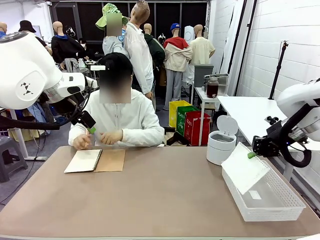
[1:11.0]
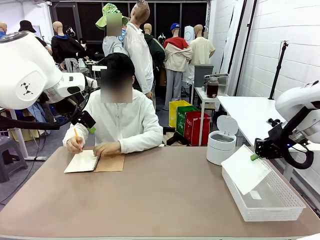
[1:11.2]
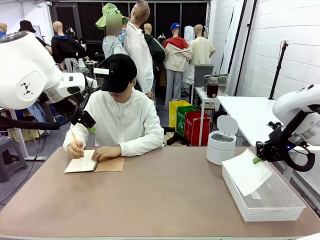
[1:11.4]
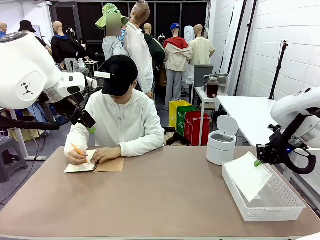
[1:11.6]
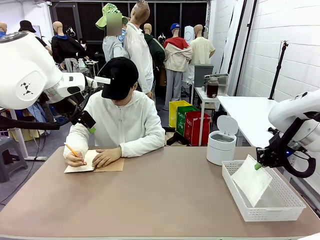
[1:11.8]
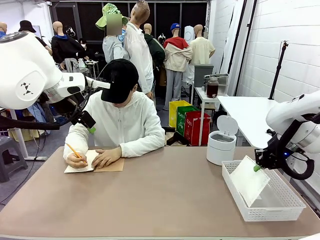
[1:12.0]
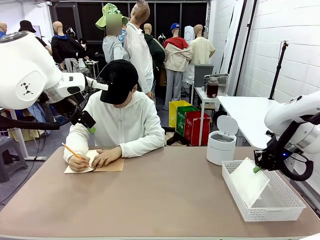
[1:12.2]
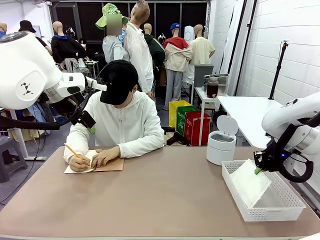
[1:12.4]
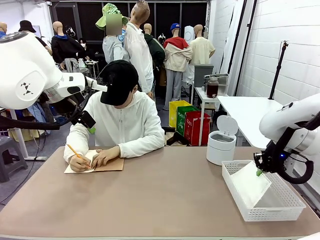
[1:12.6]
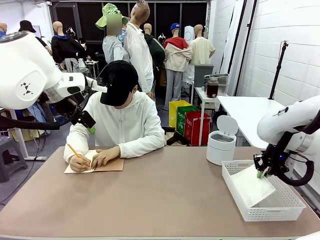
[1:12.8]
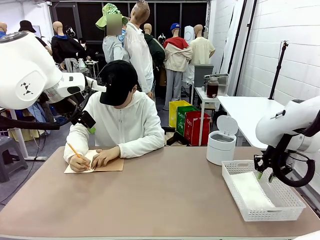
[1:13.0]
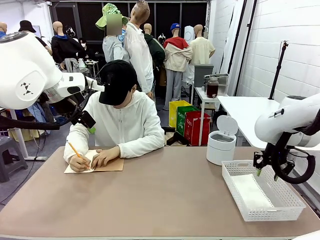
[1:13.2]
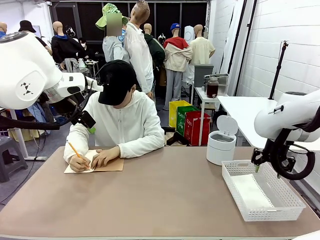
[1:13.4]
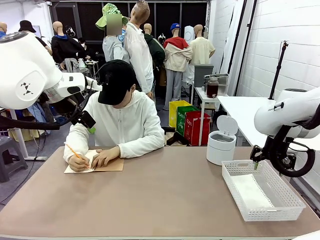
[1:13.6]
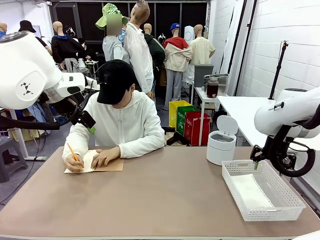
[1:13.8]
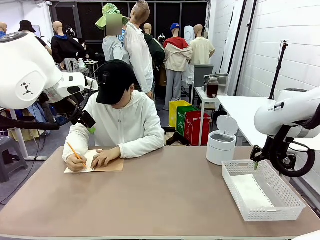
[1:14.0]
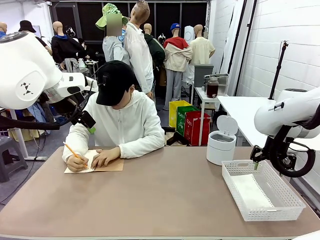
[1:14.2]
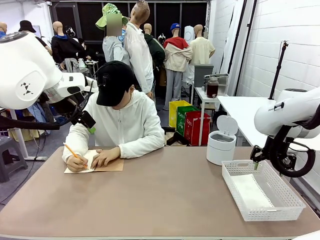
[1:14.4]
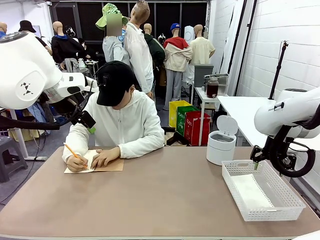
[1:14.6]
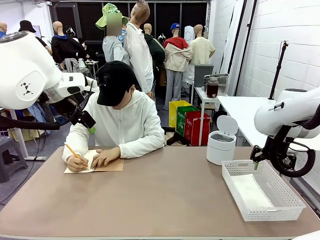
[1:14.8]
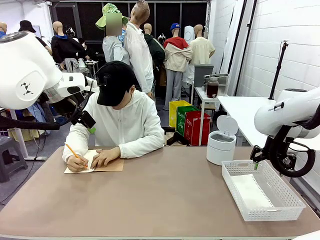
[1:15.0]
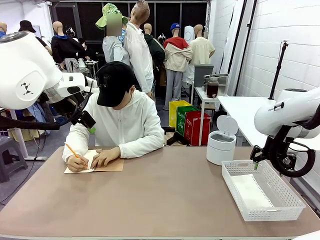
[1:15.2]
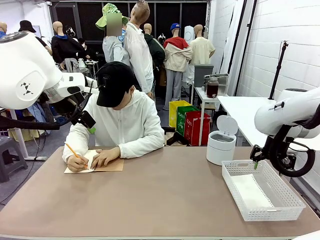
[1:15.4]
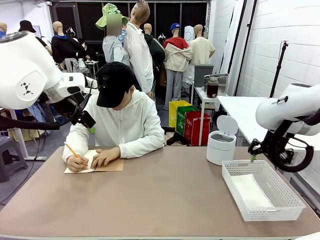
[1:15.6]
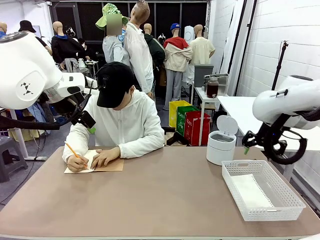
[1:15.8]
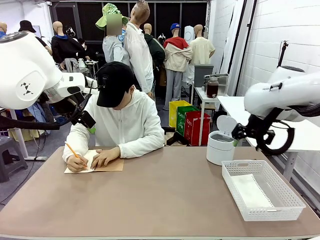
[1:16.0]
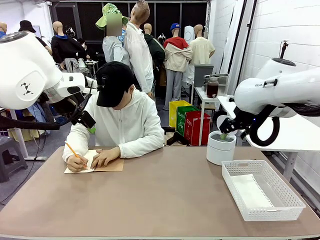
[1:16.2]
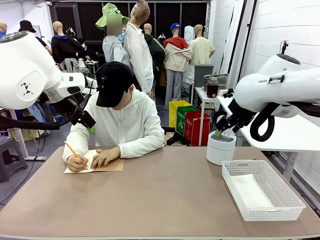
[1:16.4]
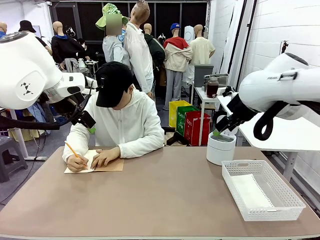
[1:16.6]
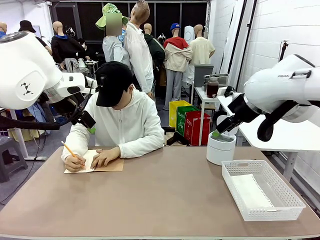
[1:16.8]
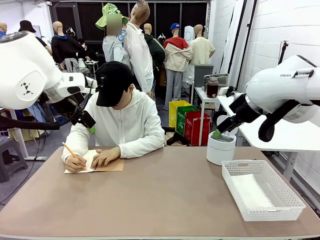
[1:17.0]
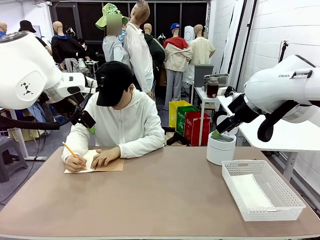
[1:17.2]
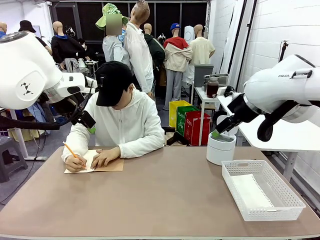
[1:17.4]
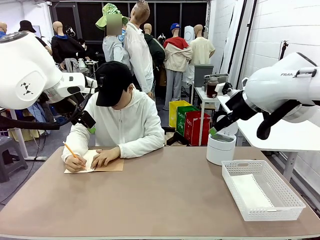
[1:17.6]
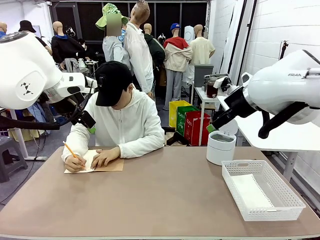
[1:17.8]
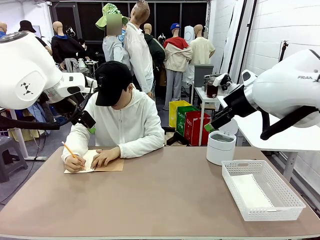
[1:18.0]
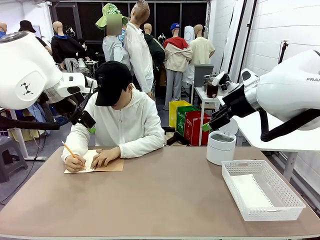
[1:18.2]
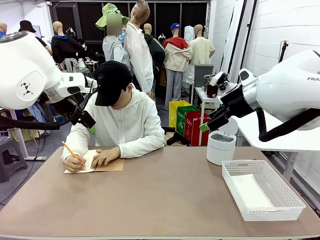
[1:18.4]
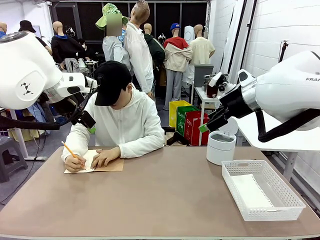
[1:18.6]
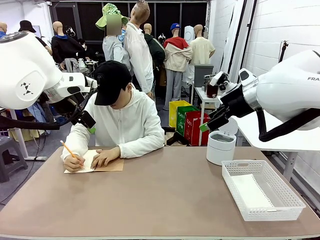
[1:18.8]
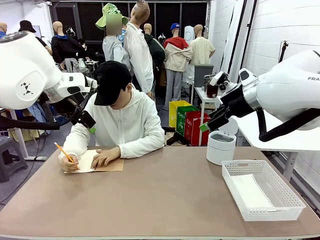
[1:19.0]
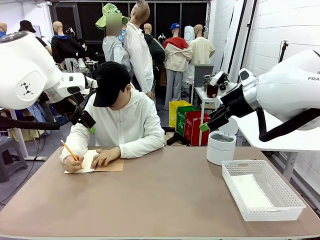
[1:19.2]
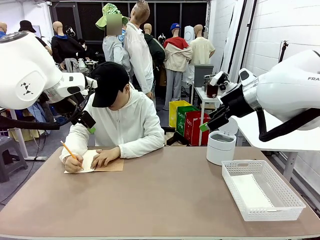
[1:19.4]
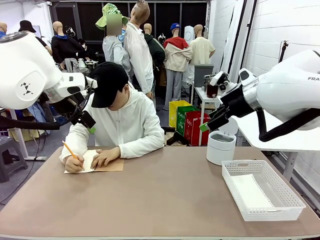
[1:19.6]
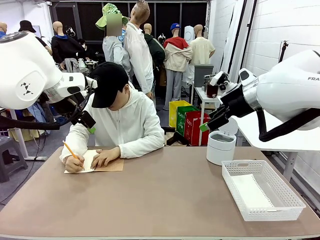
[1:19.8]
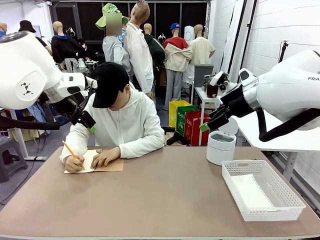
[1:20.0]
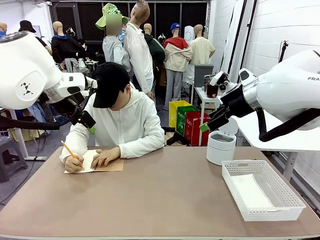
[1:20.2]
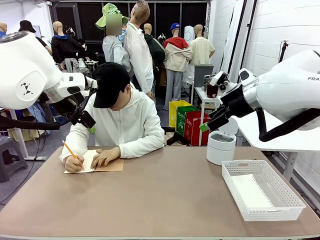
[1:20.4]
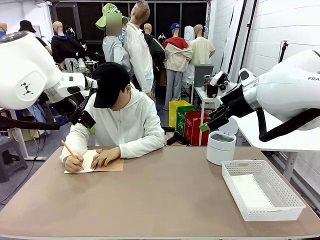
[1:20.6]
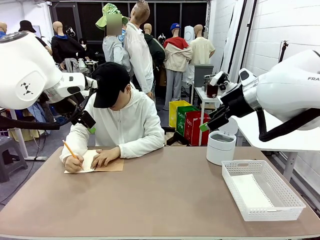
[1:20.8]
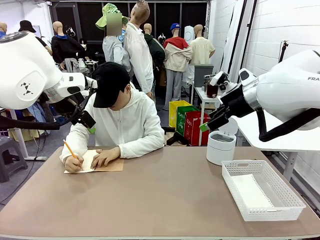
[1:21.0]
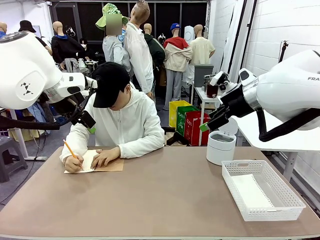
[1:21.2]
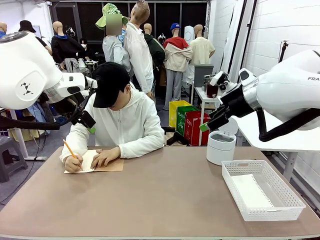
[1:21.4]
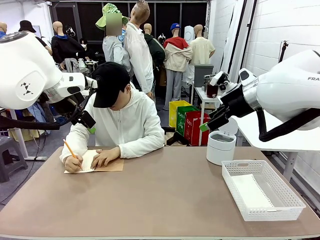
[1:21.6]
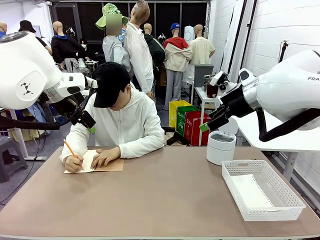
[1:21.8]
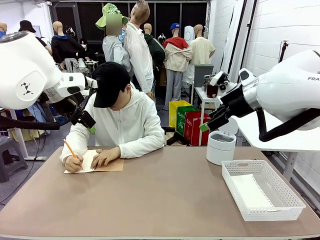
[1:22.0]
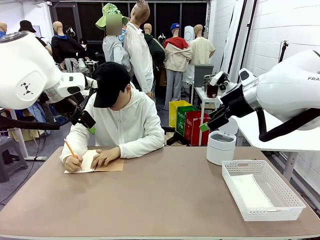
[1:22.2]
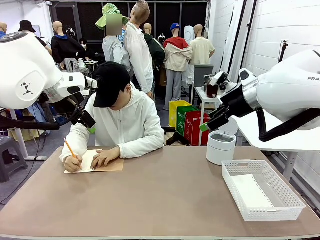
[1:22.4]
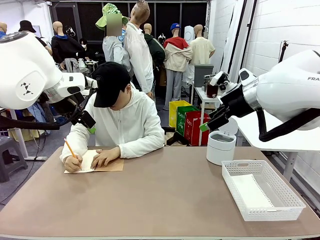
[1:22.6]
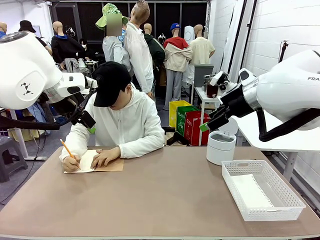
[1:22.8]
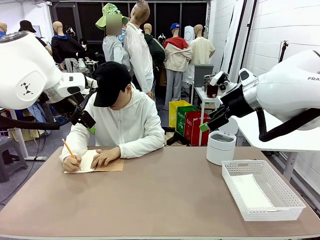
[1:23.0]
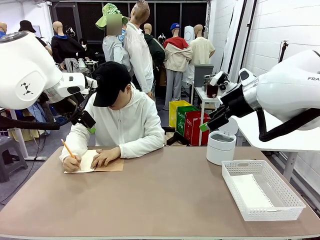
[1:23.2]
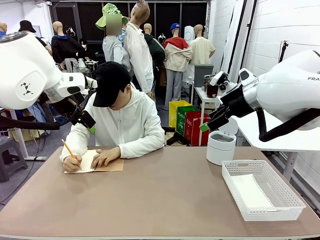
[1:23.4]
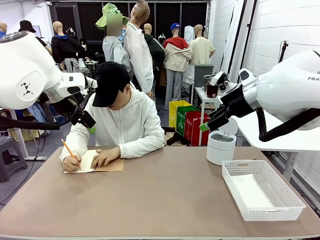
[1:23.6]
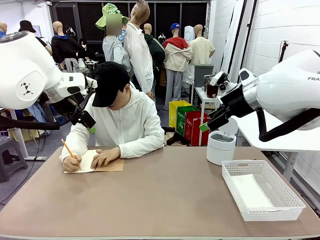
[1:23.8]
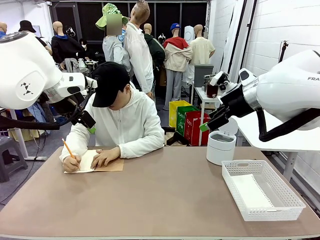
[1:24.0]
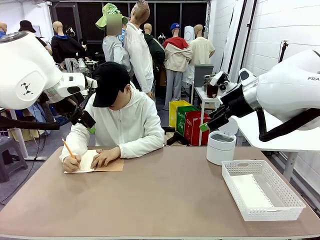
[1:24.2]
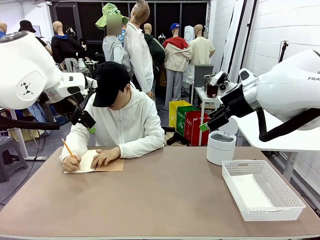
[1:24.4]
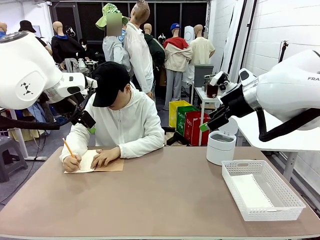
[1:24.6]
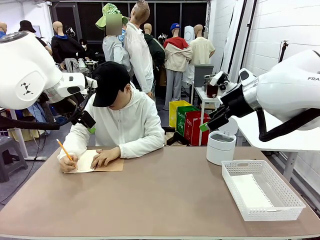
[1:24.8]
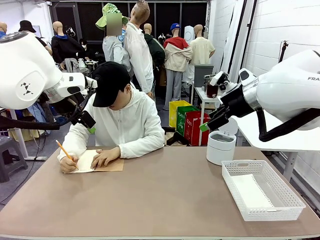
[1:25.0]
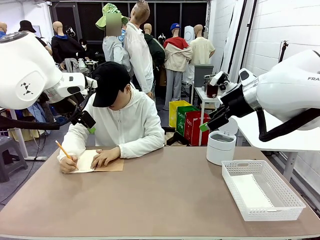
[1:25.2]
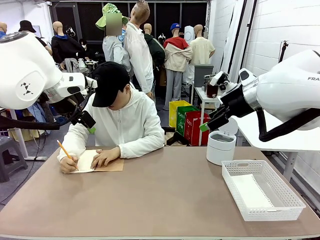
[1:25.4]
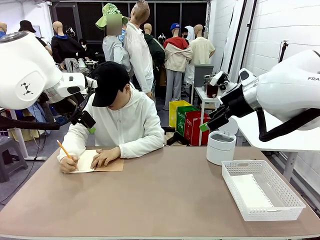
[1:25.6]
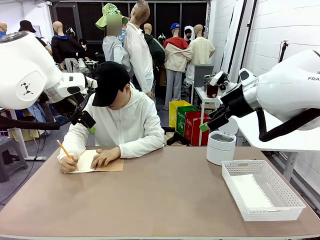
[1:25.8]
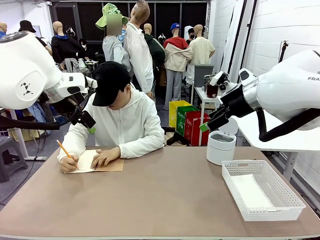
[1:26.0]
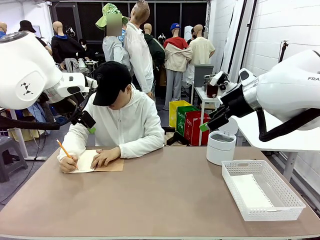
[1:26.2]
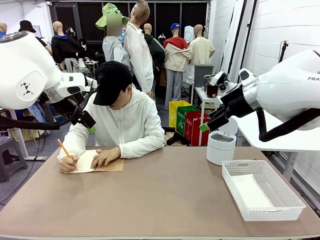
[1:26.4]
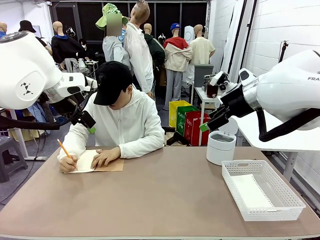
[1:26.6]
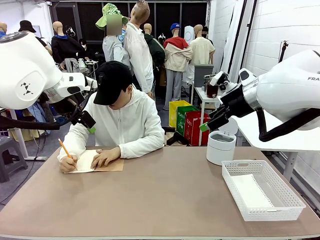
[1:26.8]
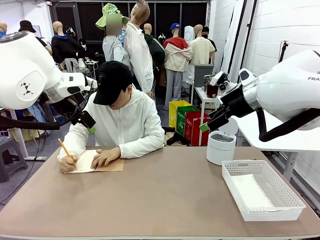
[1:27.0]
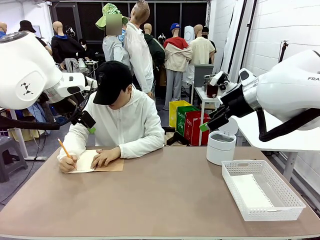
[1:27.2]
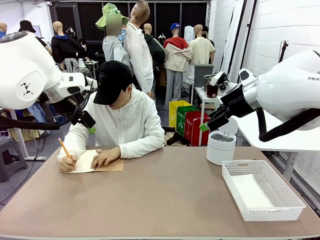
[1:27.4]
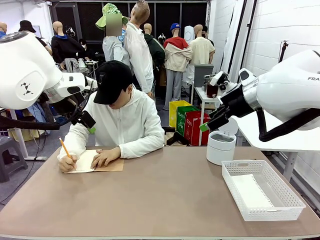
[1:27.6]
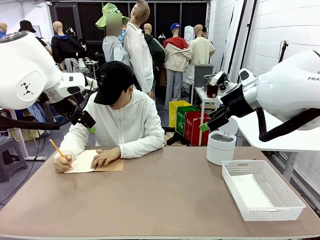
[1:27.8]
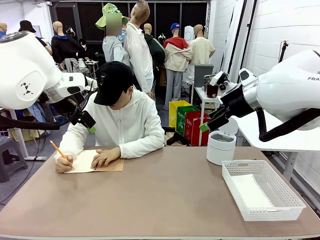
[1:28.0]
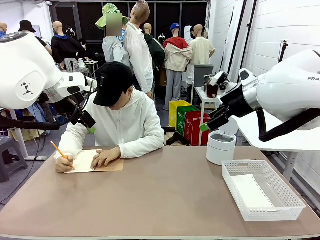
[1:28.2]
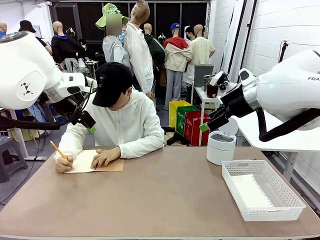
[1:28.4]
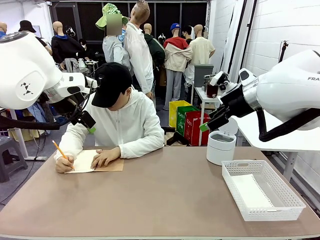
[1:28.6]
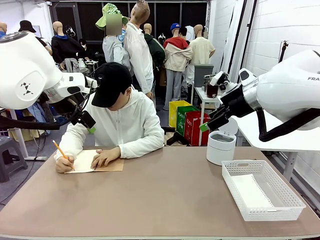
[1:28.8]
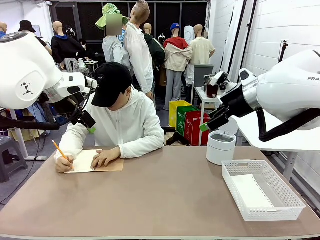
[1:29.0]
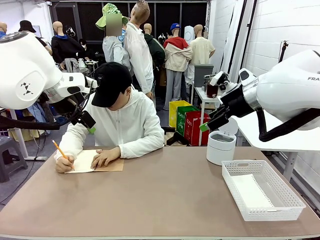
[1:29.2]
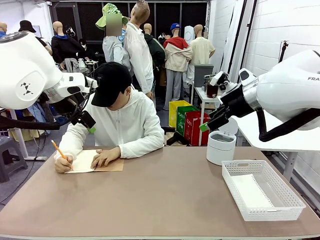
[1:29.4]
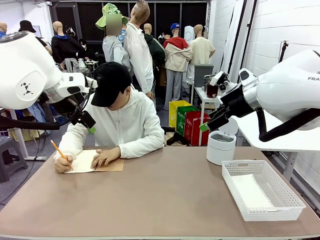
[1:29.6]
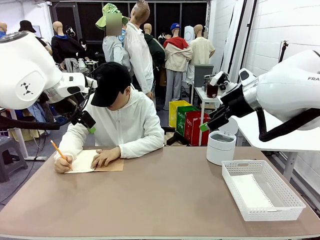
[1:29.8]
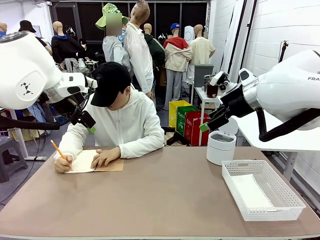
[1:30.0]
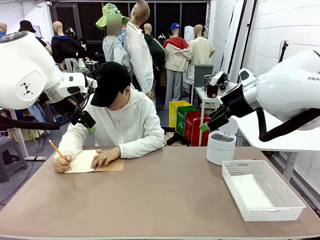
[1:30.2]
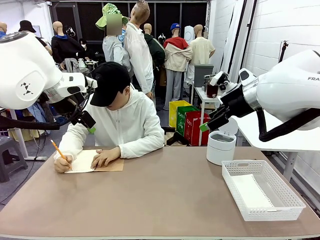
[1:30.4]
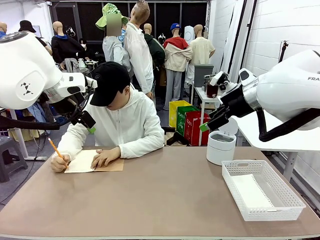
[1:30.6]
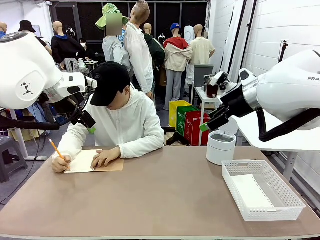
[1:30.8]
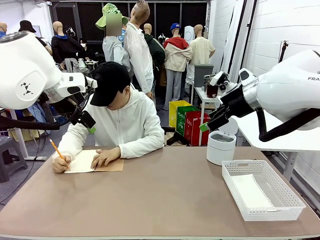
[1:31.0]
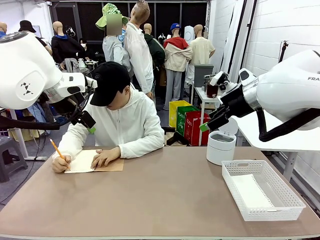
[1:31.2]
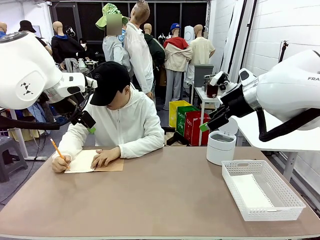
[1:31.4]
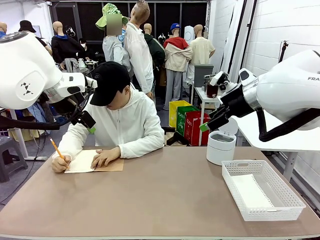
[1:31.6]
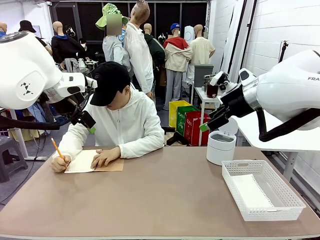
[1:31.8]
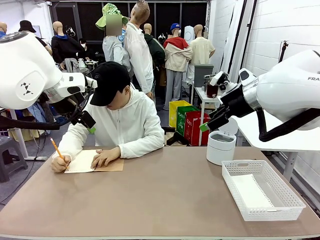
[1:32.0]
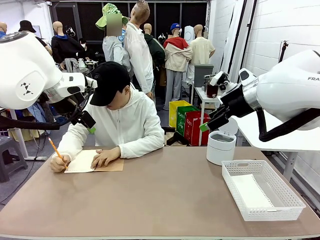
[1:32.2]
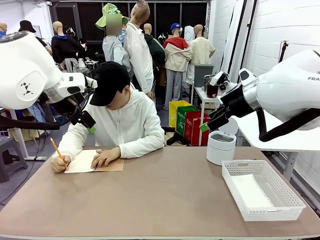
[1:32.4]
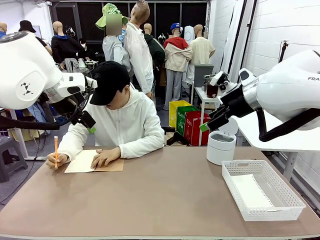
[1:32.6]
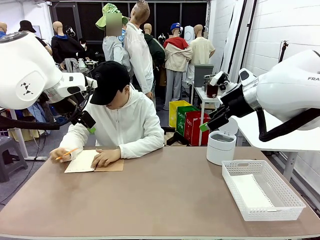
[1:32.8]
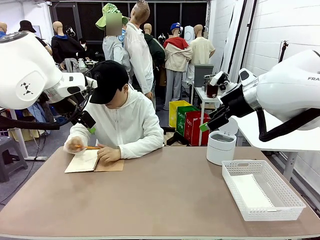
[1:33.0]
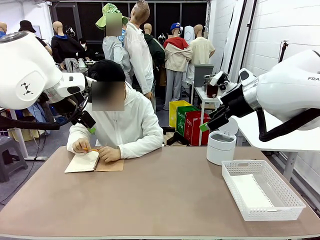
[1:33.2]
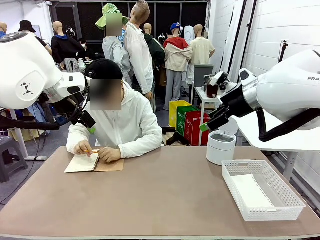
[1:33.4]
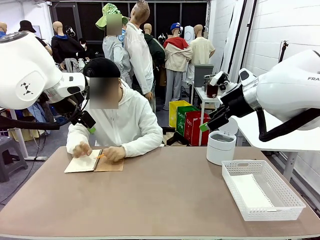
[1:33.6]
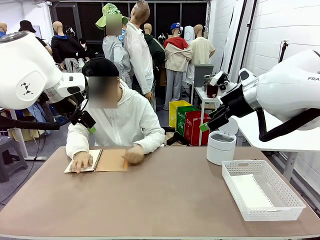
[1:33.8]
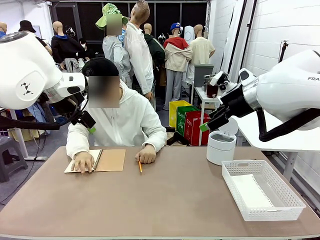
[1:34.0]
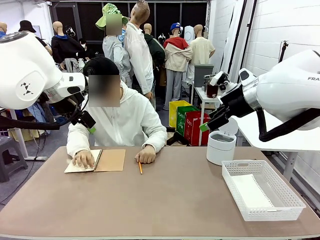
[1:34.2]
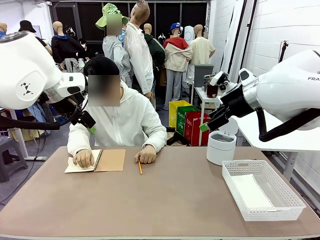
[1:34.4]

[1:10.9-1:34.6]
Task: Sort the paper based on its condition.
Robot: If a person hands you a paper, place it in the Organizing basket , and if it's crumpled, put it in the Trash can.
Person: Tear out a page from the spiral notebook.
